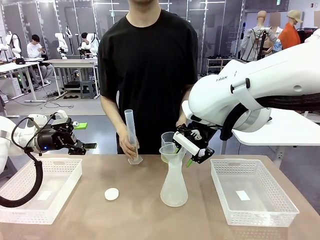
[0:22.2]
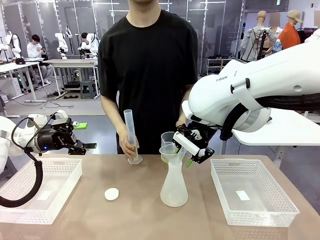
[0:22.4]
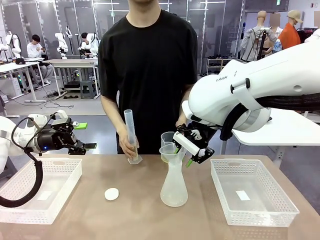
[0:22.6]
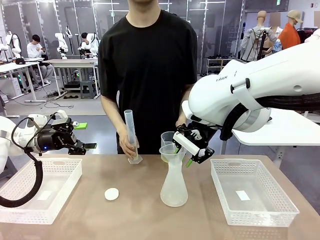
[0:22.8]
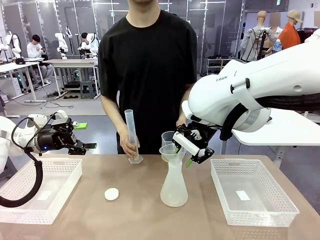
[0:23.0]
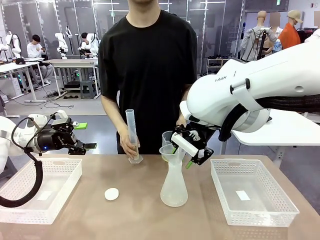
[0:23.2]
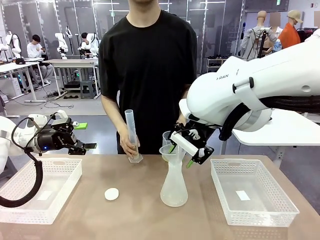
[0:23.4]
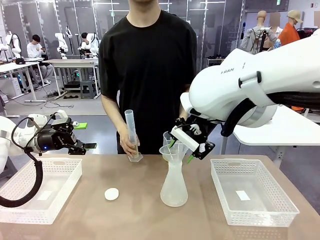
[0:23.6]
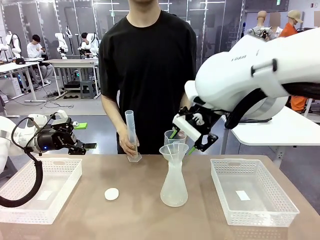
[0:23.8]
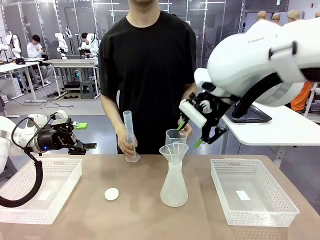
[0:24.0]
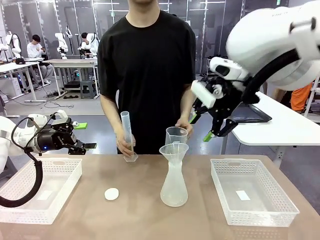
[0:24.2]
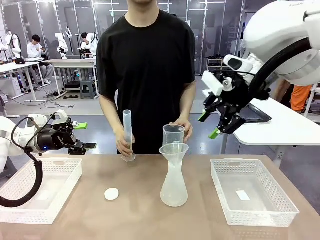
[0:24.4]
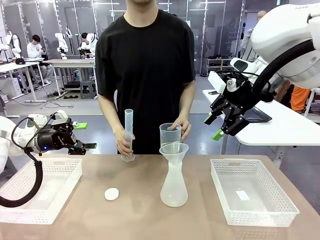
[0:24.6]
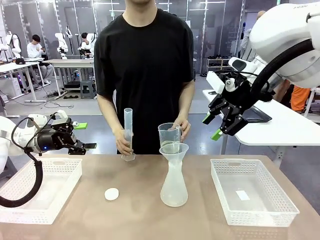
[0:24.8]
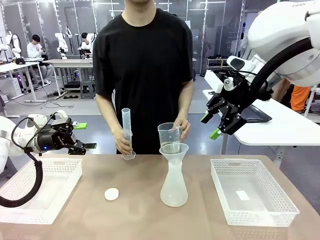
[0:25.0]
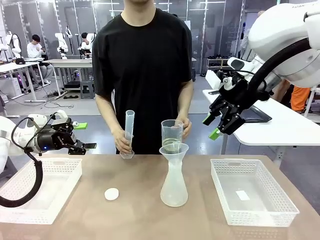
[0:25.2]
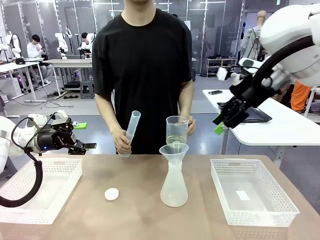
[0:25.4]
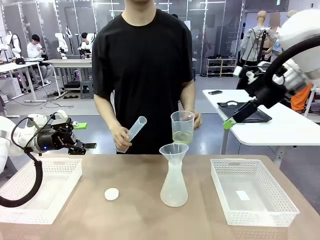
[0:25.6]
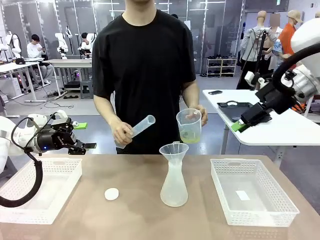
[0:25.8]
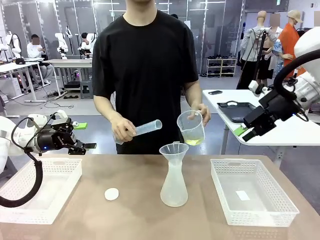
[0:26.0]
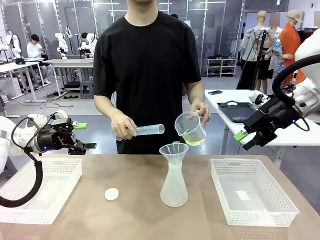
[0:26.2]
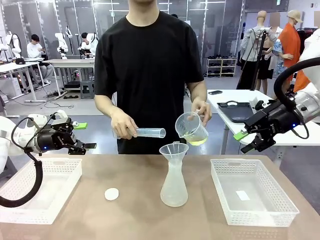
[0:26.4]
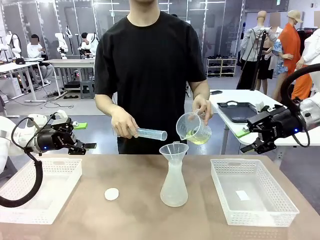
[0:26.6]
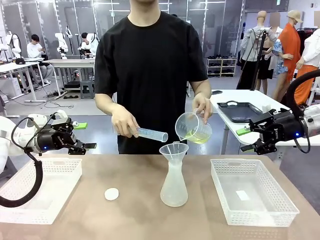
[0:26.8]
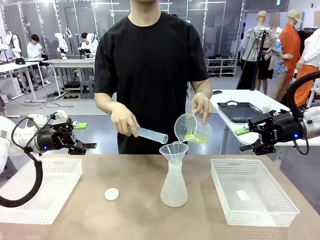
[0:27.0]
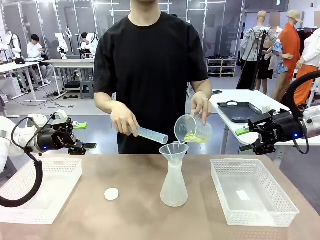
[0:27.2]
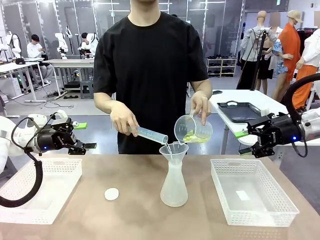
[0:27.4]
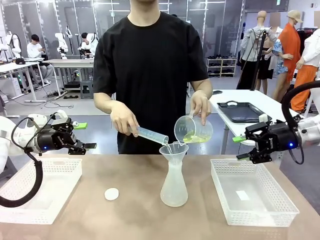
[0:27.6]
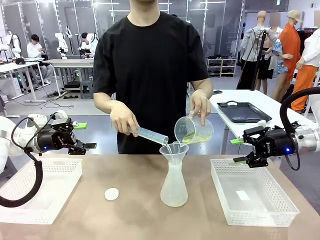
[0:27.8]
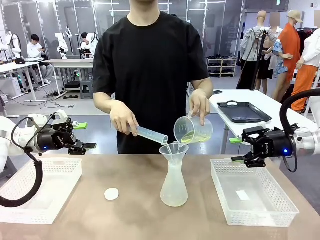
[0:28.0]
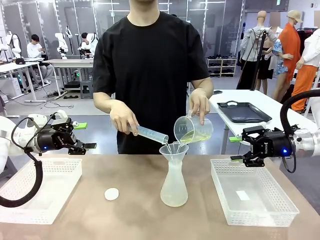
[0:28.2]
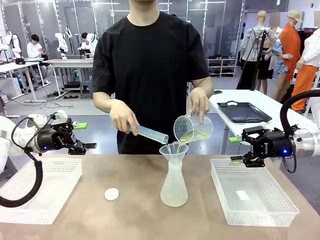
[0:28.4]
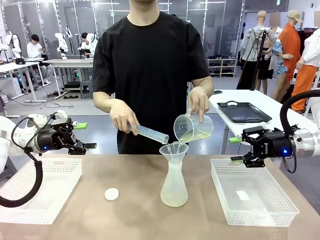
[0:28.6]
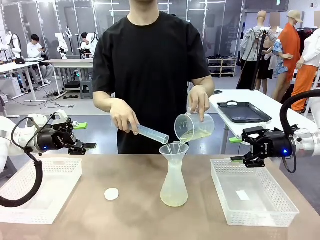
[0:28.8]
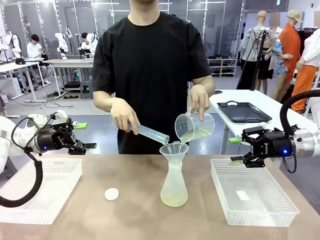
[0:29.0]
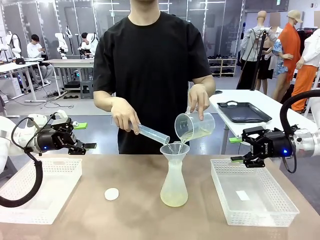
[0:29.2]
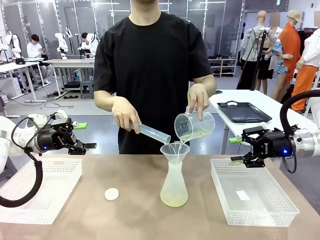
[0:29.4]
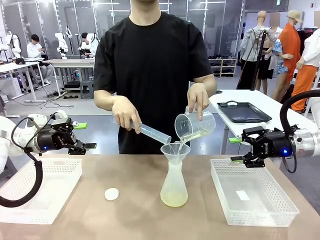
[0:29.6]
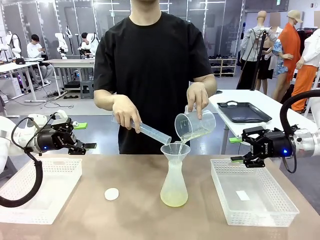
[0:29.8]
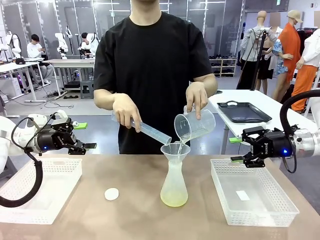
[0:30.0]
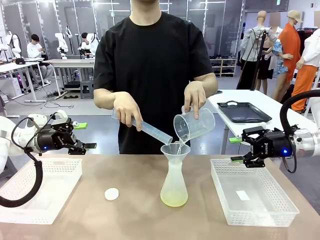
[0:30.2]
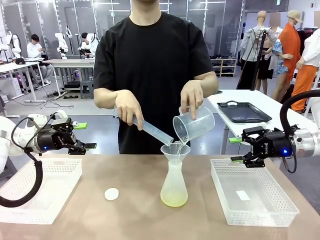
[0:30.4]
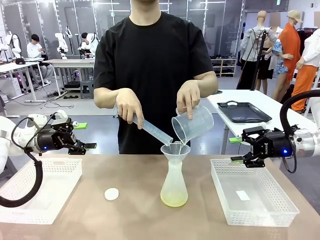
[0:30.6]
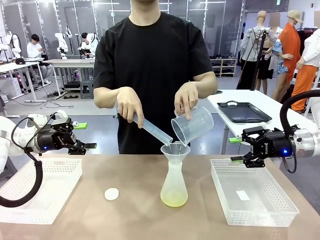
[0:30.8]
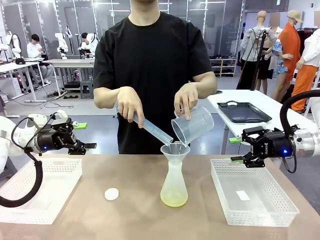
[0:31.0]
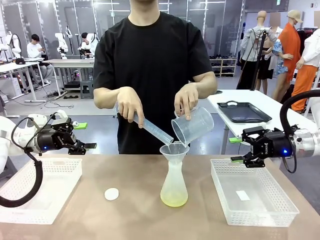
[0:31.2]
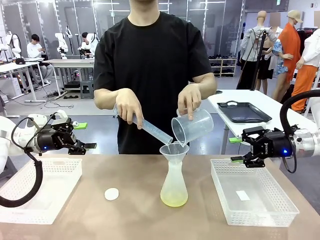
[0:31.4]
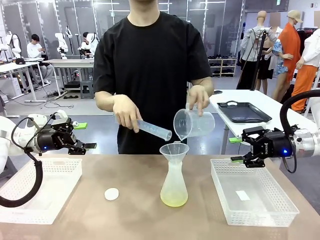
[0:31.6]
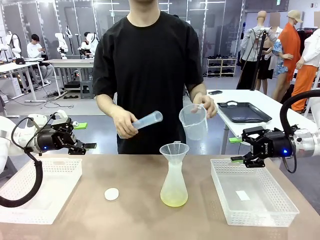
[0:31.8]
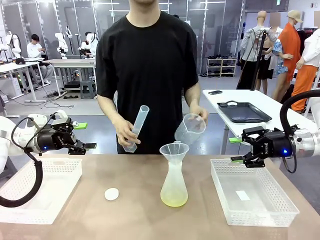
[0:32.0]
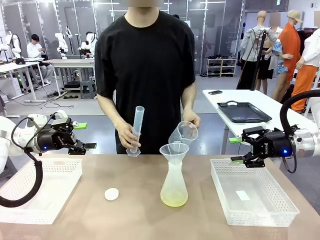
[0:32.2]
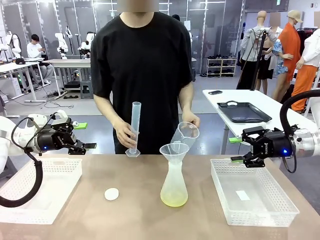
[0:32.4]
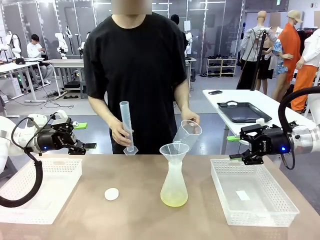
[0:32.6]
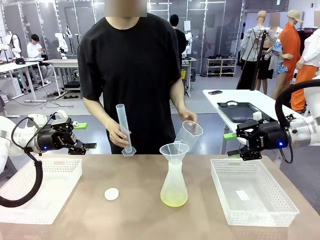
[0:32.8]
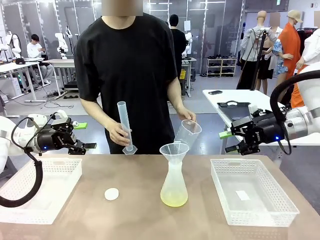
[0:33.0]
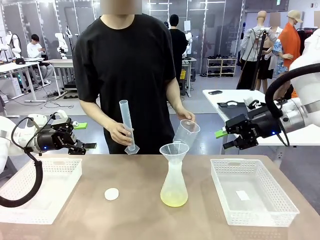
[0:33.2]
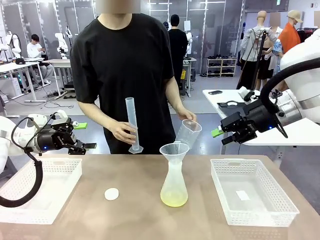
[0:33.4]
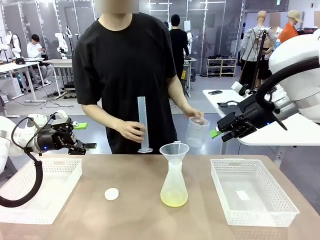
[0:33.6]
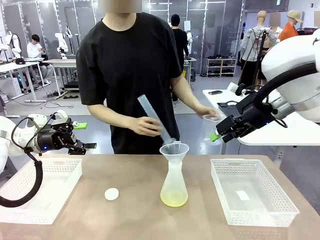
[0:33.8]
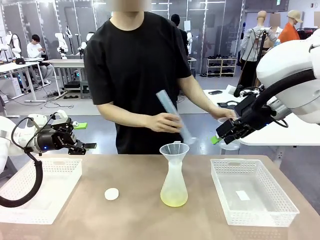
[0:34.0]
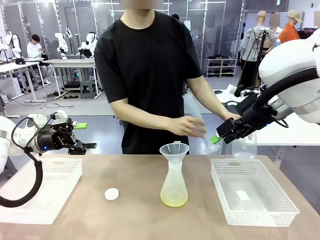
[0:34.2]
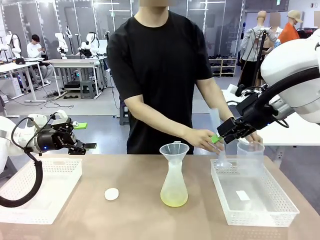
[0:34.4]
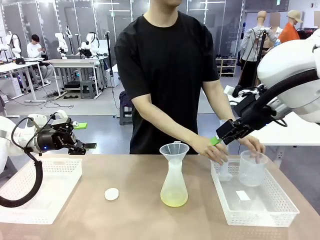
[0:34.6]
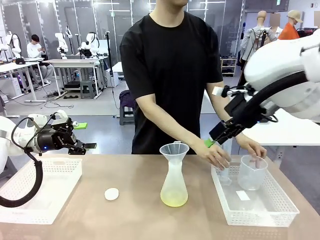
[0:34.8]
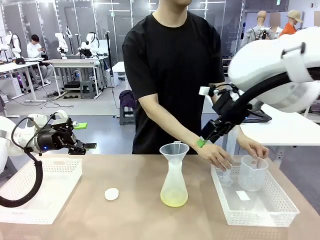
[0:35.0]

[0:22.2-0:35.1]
Task: Prepare the solutions needed for the experiment.
Robot: Once the solution is in the Big flask , pick up the Plastic Funnel and place it back into the right Organizing basket.
Person: Place the beaker and the cylinder into the organizing basket on the left side.

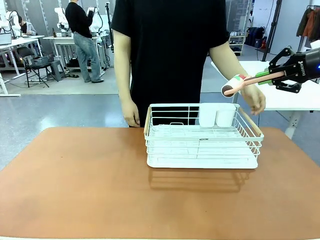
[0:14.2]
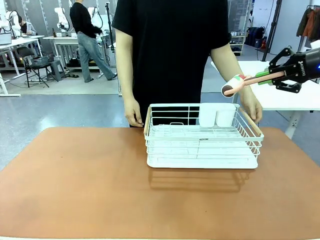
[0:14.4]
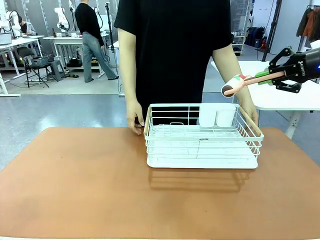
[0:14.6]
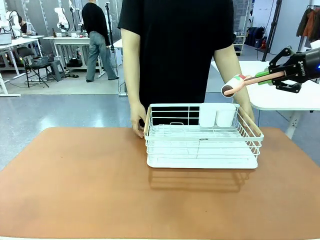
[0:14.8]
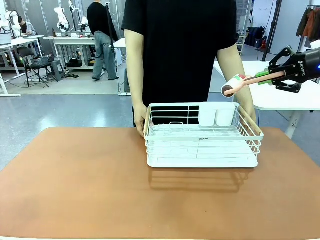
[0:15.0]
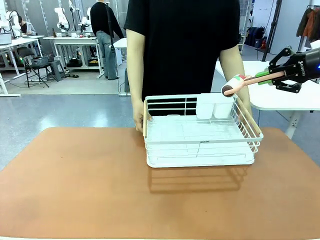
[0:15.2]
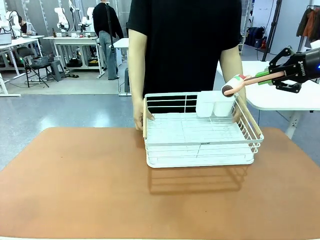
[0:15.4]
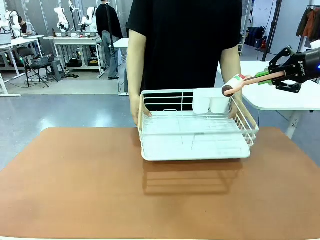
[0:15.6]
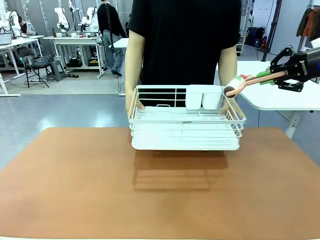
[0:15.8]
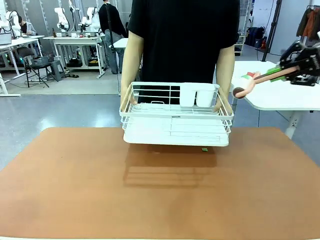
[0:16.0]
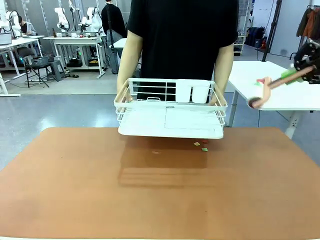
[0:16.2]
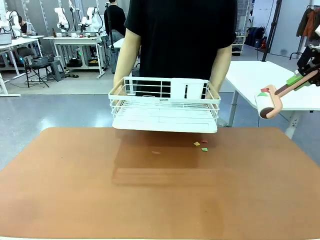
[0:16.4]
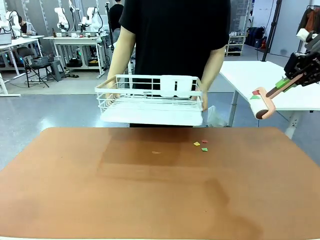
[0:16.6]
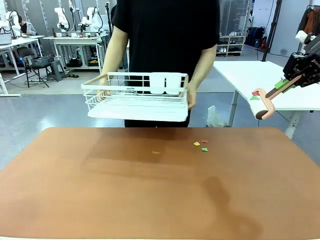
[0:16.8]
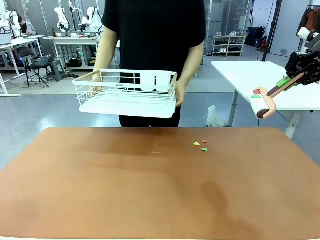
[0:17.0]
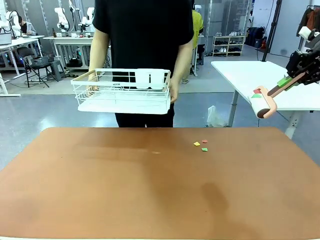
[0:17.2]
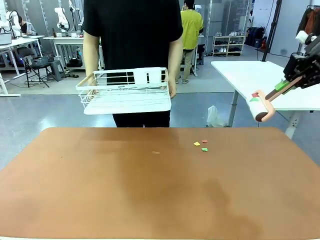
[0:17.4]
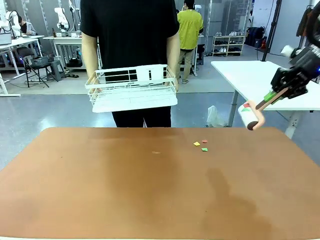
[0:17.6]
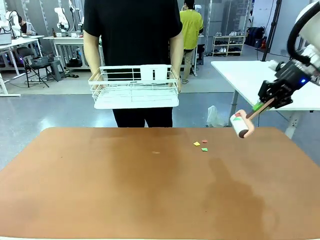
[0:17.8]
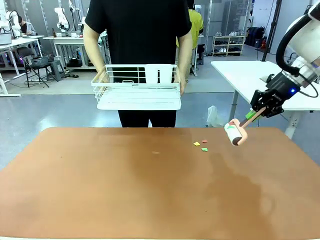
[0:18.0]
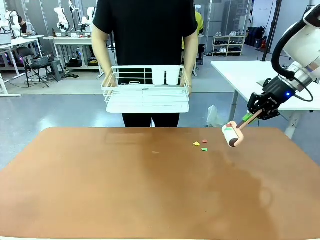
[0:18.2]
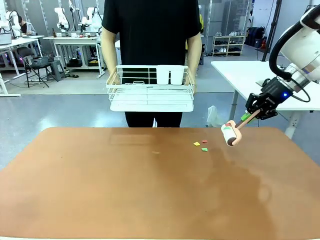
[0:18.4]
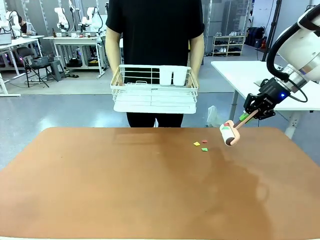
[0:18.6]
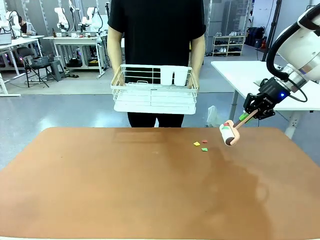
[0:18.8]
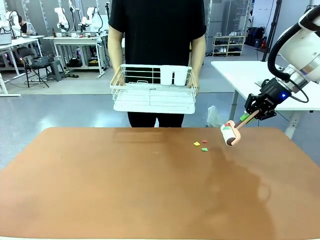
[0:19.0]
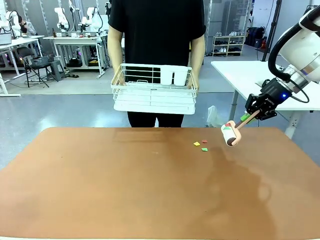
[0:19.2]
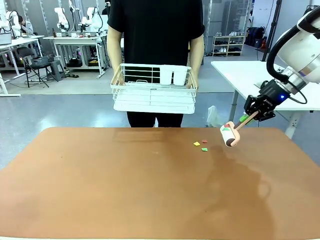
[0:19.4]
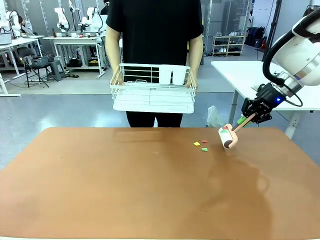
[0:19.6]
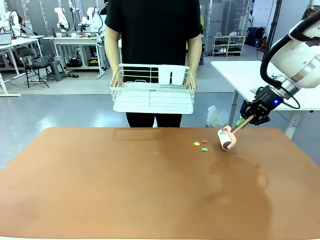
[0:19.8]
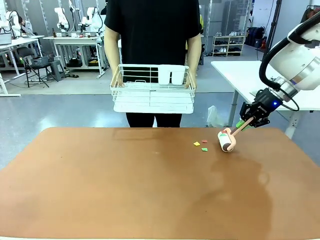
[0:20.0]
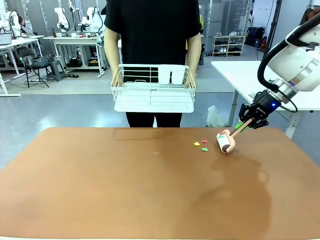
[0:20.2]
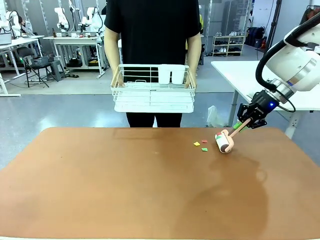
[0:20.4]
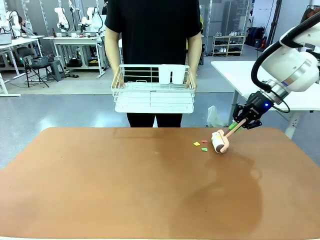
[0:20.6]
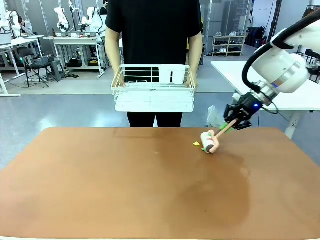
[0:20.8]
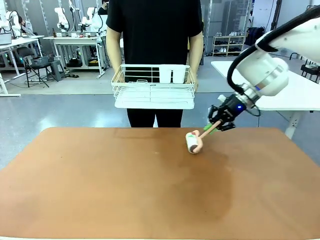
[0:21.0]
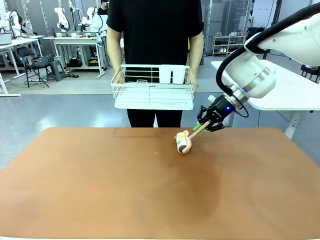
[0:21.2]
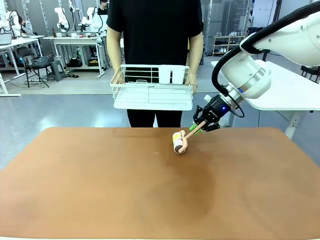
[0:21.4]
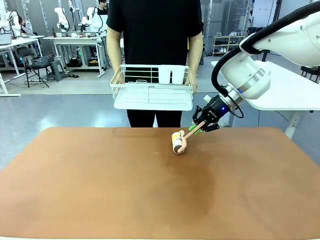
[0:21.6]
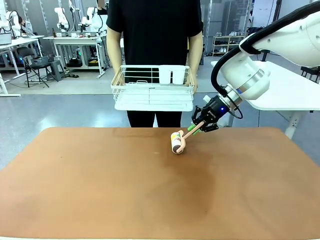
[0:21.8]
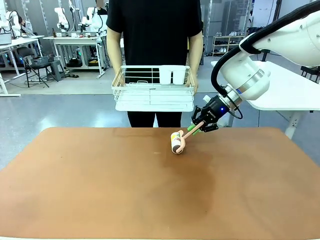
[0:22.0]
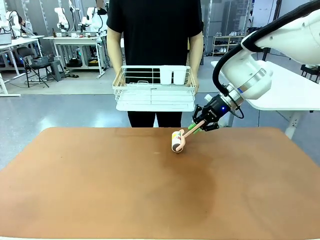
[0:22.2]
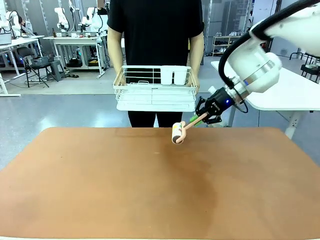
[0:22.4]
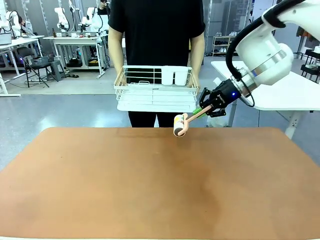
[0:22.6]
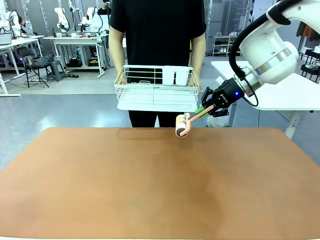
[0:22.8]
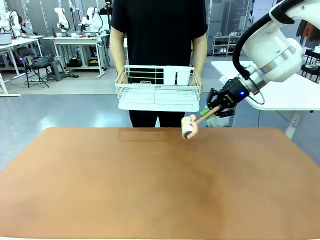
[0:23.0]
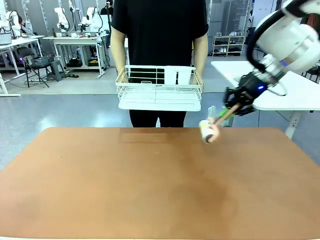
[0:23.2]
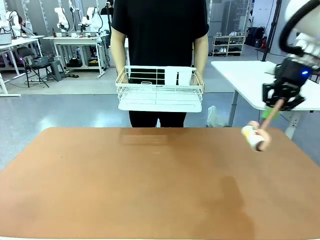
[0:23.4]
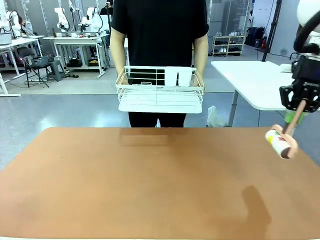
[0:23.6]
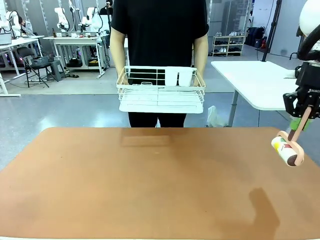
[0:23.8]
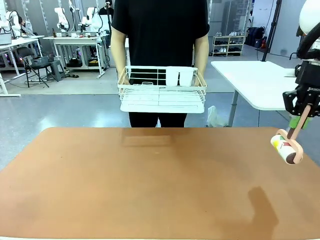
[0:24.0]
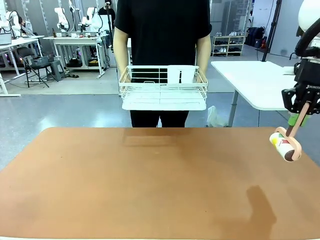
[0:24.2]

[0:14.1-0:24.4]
Task: Clean the table.
Robot: Clean the table with the Lint Roller when the human lifts the Dish drying rack.
